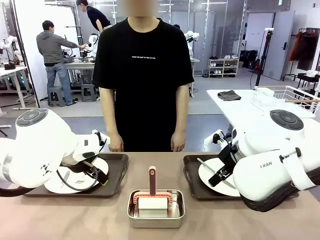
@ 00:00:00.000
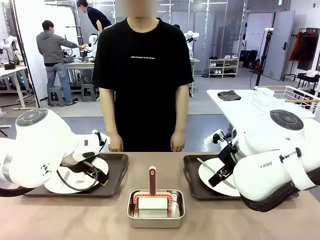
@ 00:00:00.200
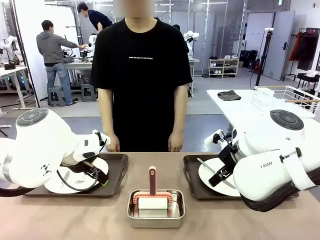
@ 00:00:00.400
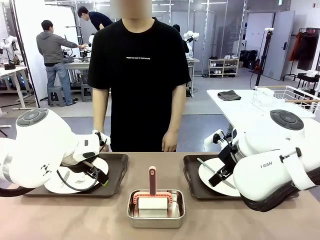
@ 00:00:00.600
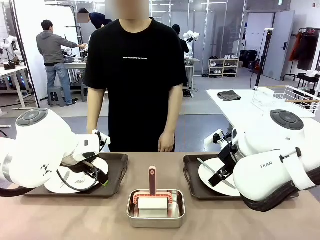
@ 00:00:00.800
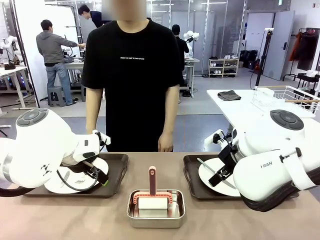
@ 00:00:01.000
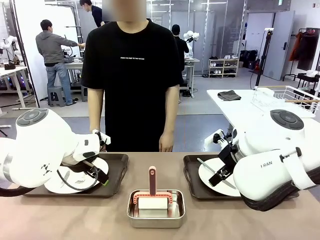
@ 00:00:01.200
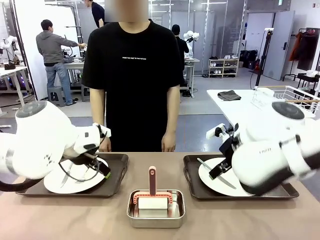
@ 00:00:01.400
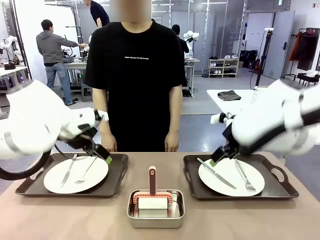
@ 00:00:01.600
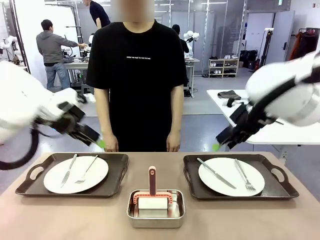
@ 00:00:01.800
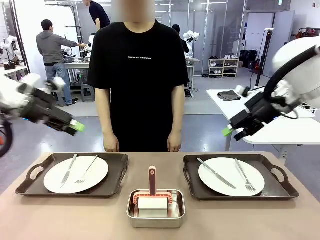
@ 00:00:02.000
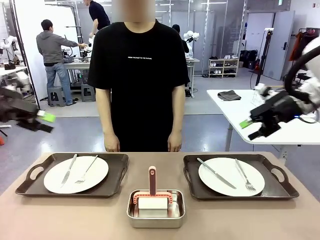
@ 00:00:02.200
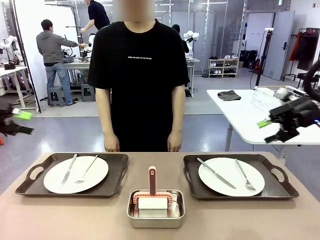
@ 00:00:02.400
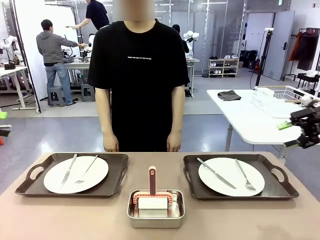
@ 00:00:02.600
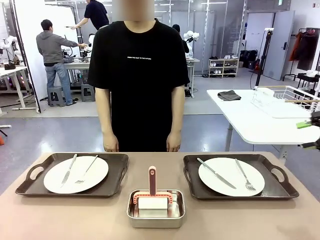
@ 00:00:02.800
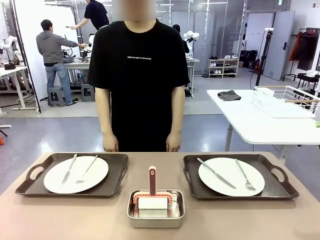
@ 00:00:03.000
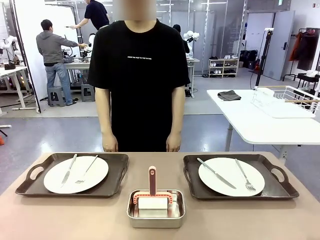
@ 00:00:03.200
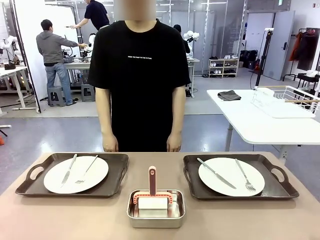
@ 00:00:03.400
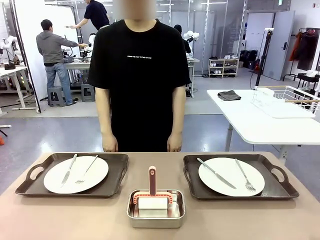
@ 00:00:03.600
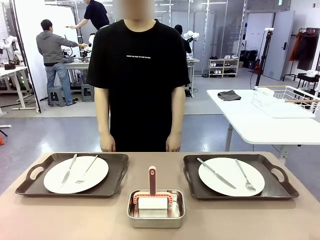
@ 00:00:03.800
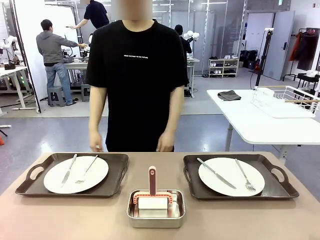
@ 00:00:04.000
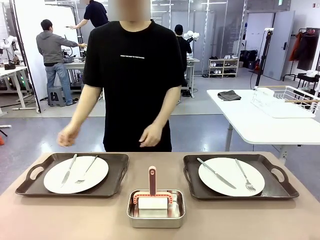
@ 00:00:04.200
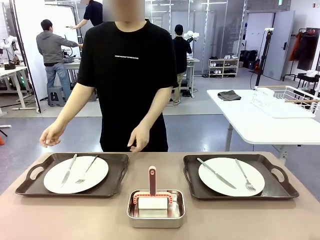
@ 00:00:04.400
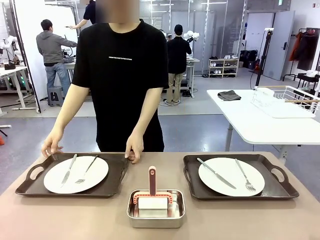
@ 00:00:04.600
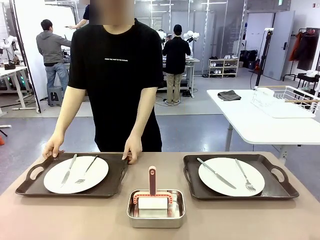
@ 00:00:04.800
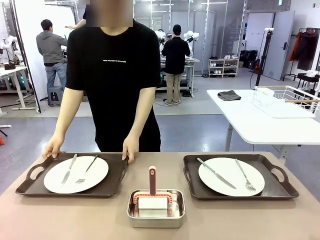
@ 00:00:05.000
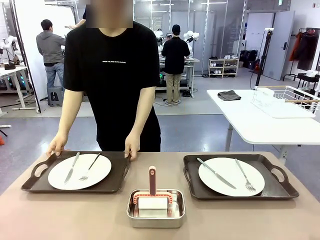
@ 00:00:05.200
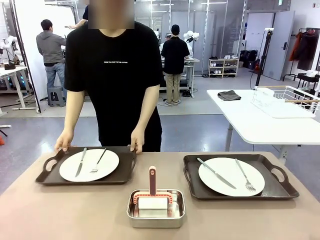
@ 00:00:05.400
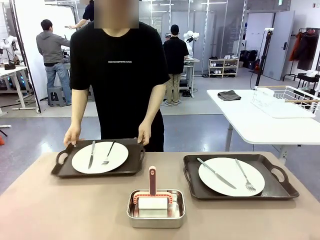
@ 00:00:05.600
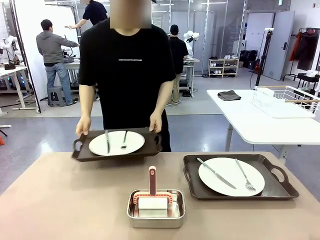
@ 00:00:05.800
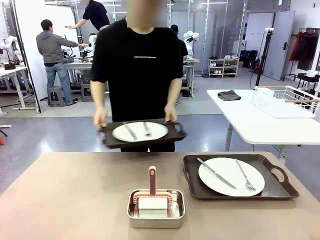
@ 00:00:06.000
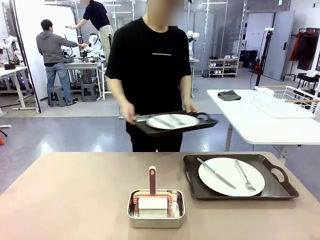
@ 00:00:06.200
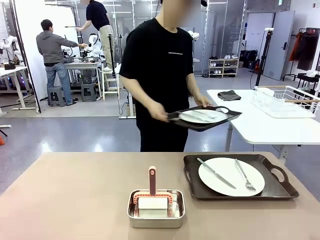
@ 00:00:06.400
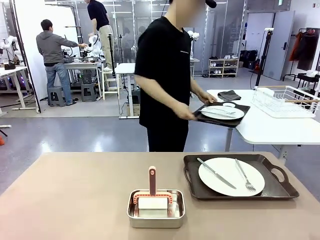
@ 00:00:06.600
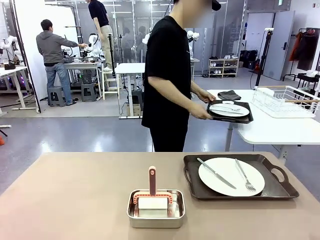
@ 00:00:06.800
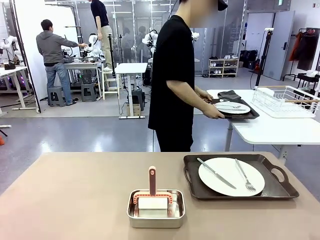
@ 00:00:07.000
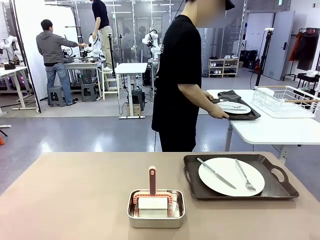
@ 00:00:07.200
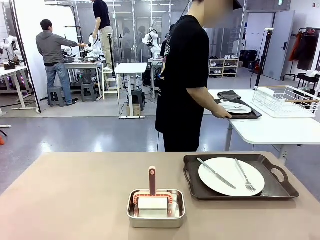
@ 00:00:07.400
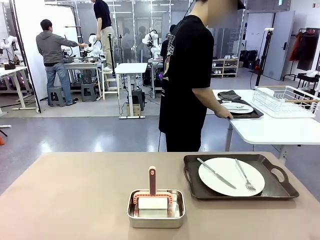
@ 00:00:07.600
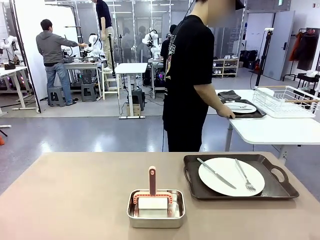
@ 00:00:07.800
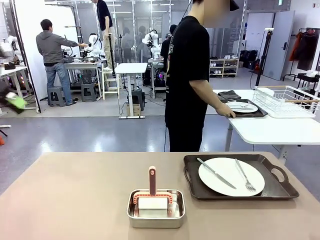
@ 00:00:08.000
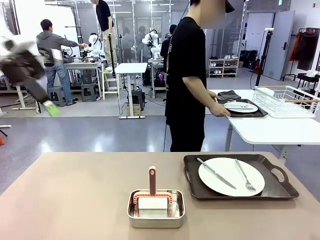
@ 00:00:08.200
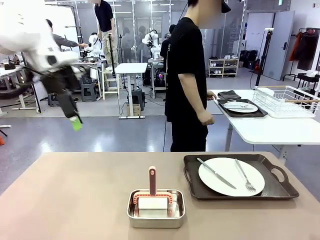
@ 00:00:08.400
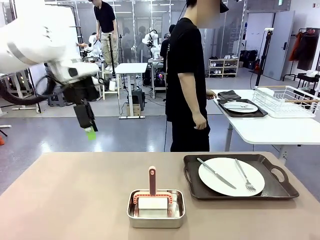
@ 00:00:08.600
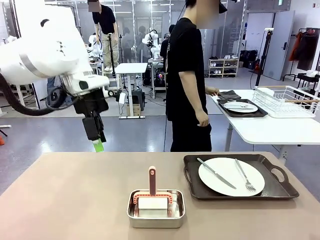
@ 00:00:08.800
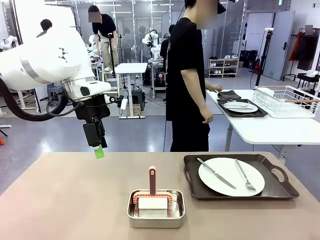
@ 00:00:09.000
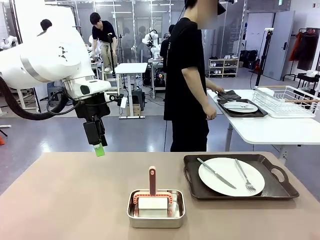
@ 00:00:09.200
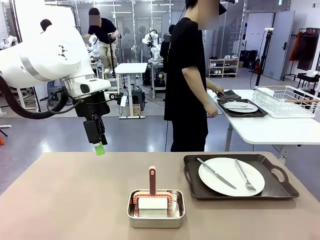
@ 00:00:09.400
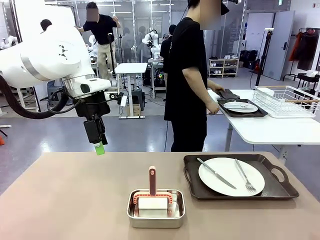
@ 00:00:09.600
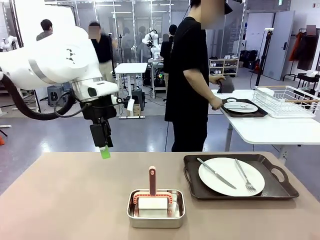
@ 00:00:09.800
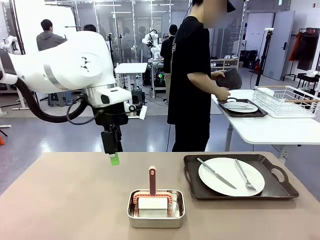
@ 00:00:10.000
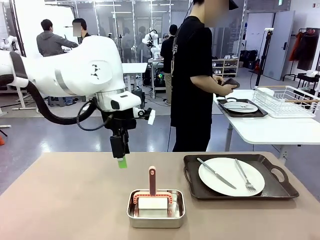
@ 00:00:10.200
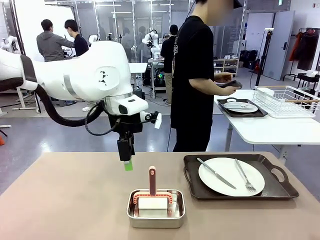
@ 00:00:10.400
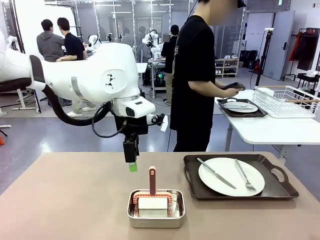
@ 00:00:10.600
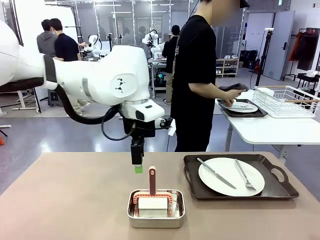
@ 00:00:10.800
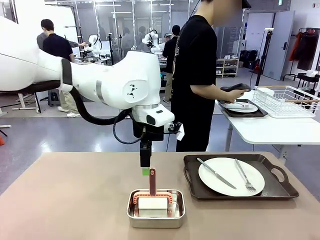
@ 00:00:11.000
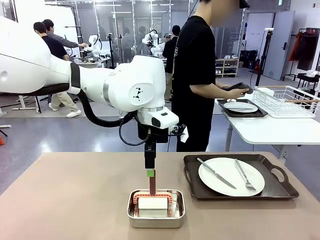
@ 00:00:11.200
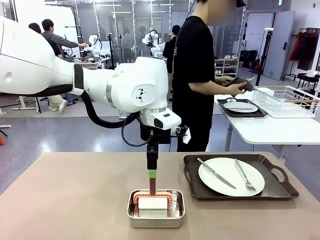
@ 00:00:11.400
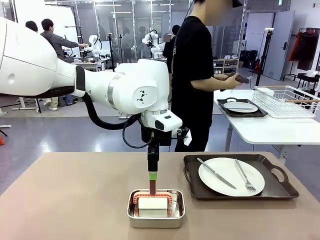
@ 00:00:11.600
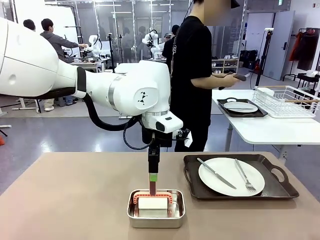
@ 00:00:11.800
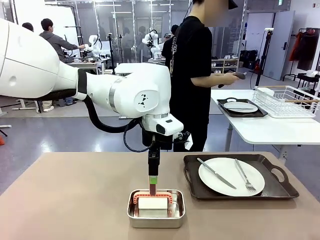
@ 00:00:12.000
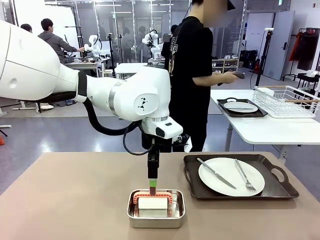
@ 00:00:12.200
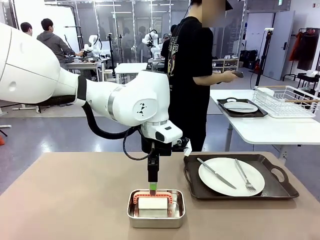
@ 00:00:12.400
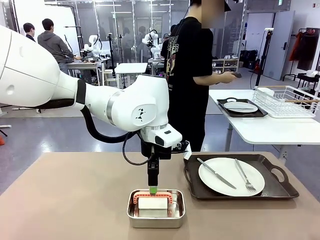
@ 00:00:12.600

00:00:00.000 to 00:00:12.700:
Robot: When the left (or right) Handle tray is removed, use the left hand (or right hand) to clean the left (or right) side of the table with the Lint Roller.
Person: Pick up the left (or right) Handle tray and place it on the middle of the Human's table.

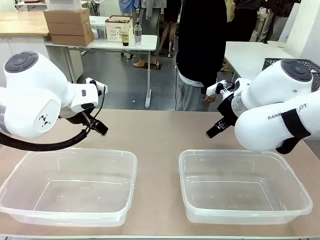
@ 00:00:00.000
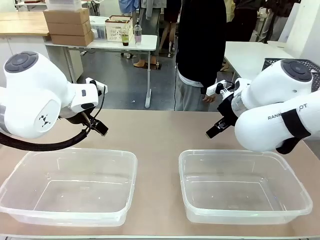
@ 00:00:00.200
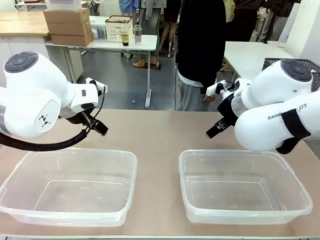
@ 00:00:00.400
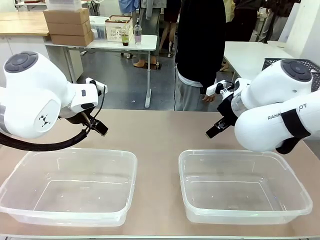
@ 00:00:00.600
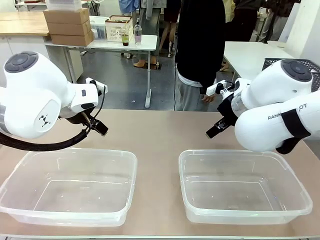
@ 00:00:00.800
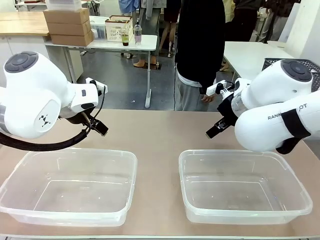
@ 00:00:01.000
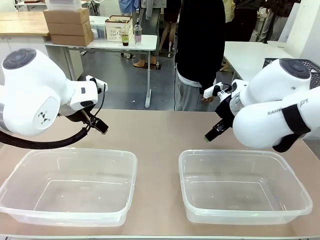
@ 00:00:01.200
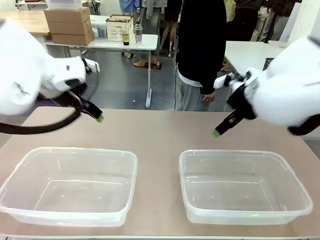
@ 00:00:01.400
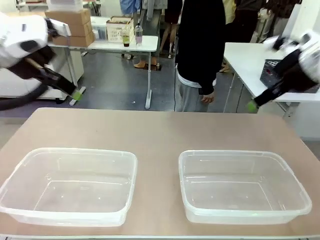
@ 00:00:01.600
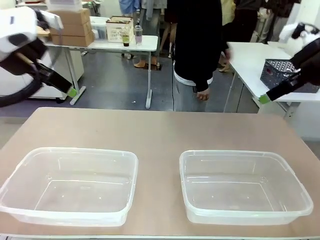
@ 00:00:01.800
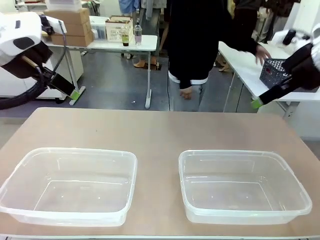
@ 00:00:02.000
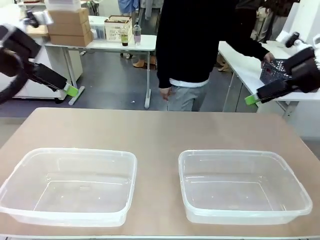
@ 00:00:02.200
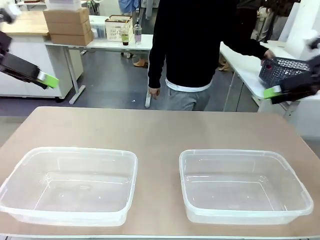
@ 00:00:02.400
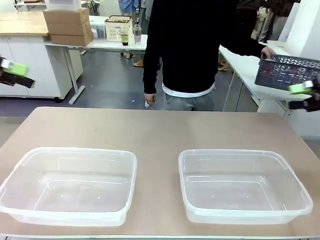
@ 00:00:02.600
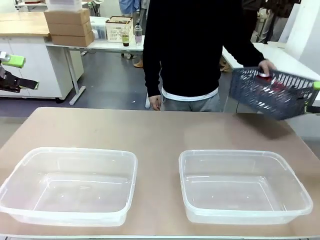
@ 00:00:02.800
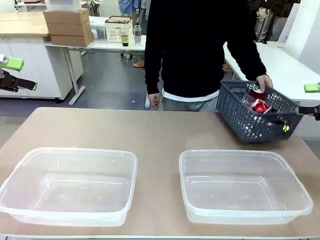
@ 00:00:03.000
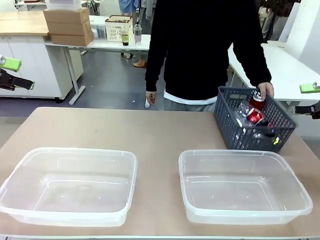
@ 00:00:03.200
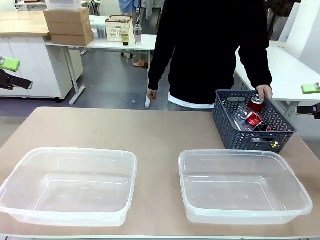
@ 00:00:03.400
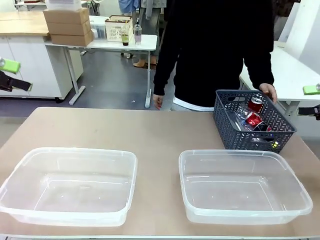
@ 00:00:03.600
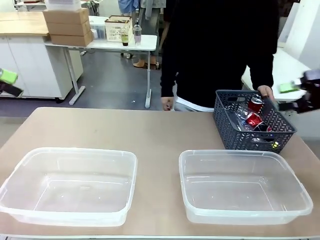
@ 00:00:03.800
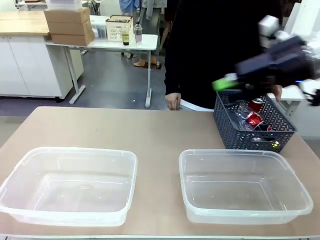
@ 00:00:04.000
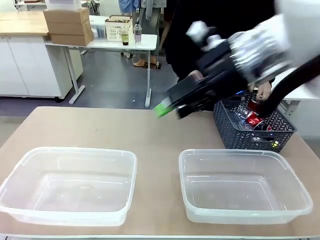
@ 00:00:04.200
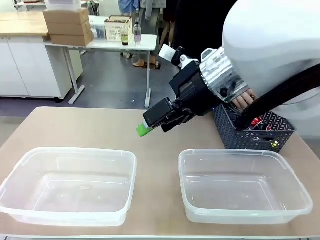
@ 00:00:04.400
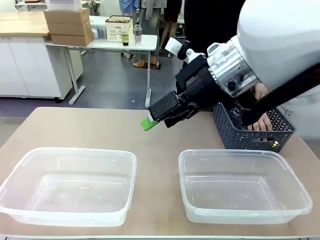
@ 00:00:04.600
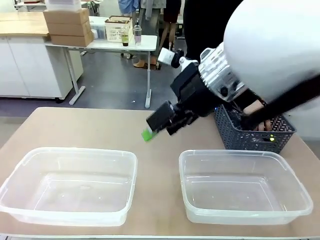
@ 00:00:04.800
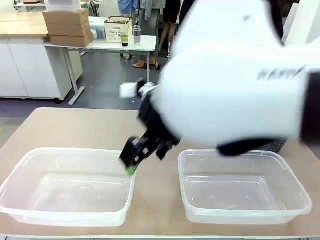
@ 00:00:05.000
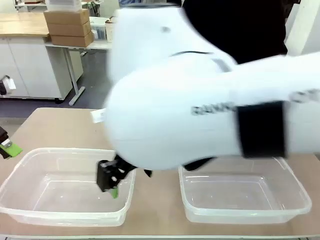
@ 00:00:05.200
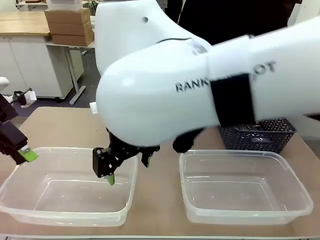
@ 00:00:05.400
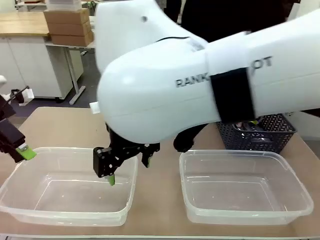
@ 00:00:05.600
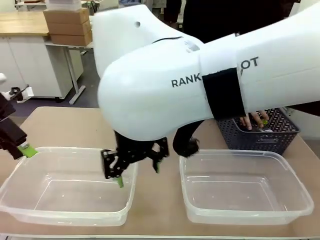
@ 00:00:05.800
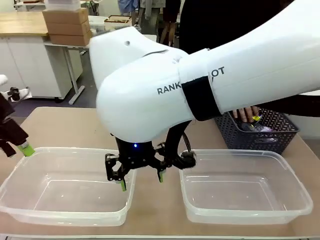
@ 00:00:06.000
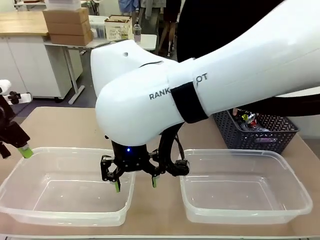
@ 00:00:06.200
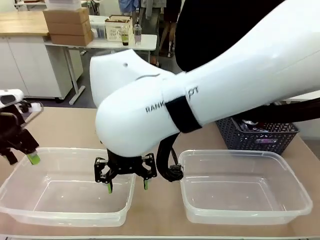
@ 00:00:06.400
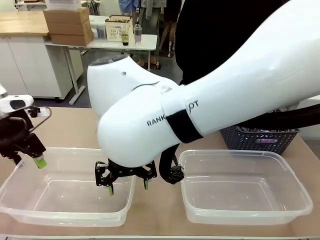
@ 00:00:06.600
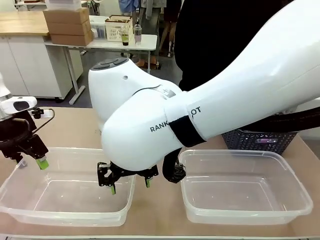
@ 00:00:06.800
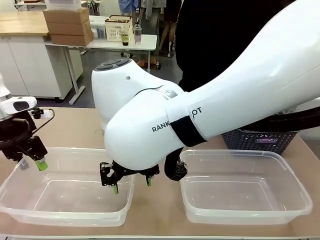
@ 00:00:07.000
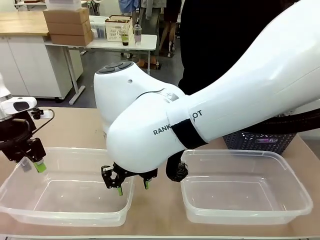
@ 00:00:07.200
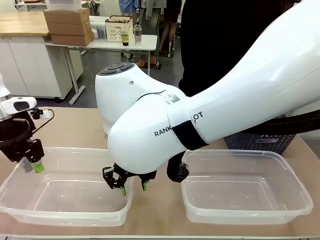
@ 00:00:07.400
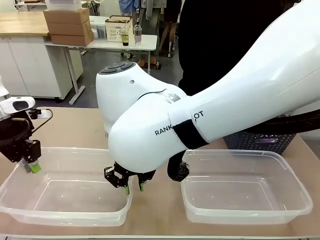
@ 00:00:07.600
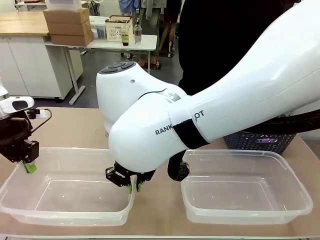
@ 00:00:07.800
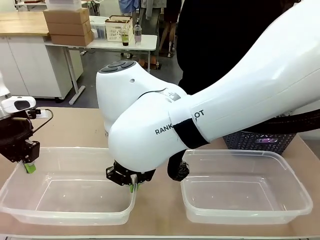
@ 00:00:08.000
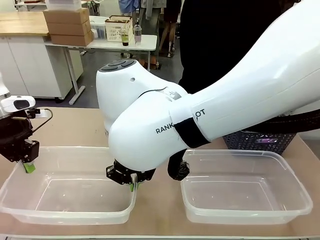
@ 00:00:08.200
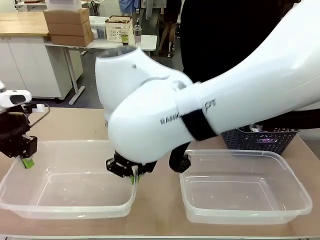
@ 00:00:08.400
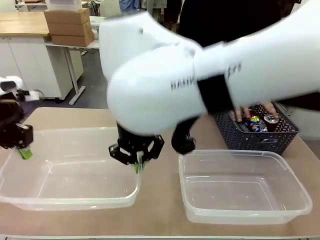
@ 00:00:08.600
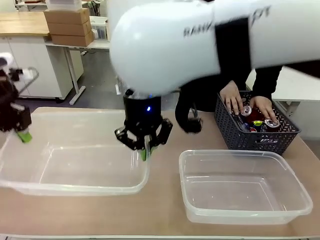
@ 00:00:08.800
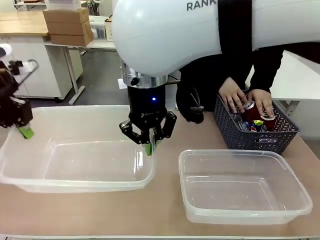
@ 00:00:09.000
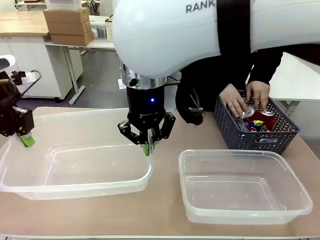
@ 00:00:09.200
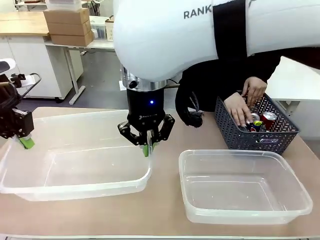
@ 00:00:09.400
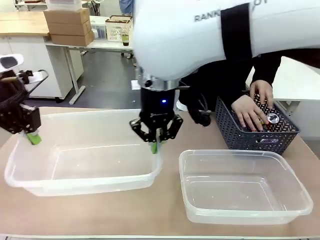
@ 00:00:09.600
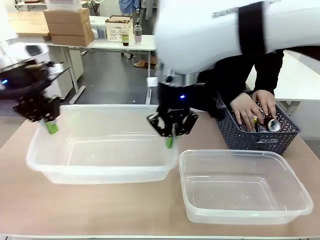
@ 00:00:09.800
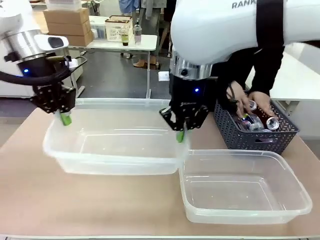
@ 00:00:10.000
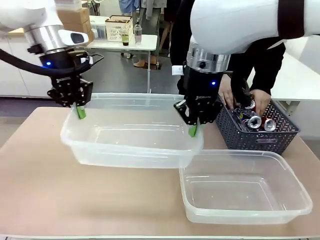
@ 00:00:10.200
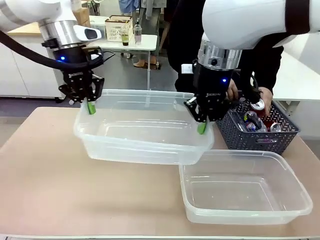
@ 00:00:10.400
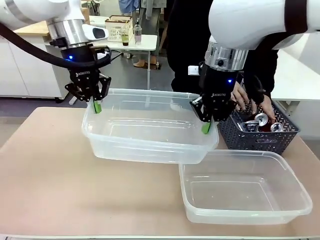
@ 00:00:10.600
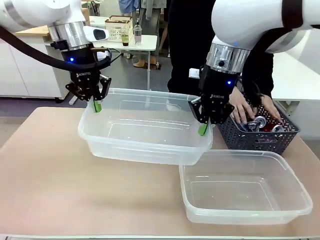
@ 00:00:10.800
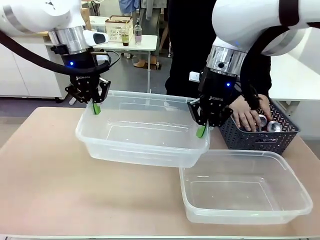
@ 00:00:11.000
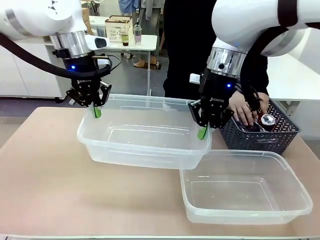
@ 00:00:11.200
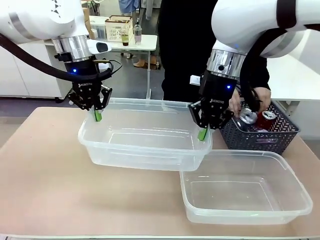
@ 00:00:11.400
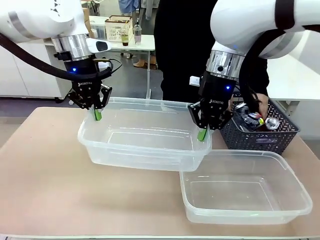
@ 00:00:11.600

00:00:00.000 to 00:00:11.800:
Robot: Pick up the Organizing box on the left side of the table and lift it.
Person: Pick up the storage basket and place it on the left side of the robot table. Pick up can-shaped waste one by one and place it into the organizing box lifted by the robot.
